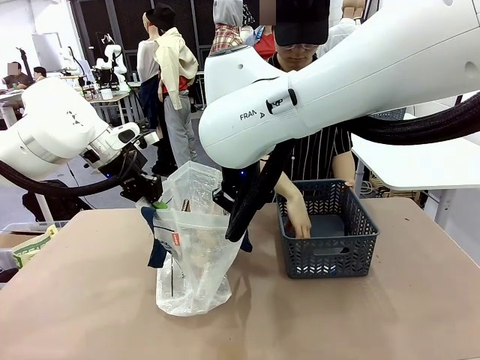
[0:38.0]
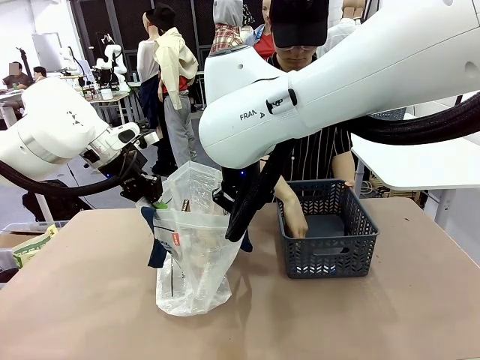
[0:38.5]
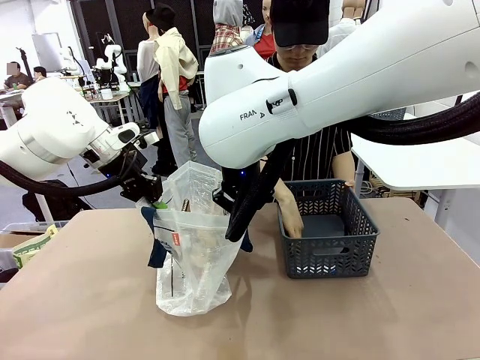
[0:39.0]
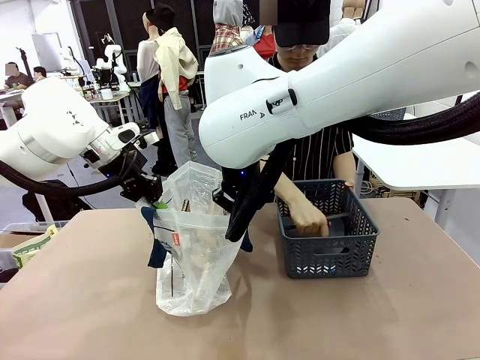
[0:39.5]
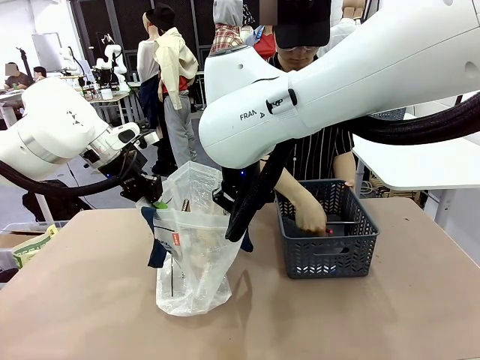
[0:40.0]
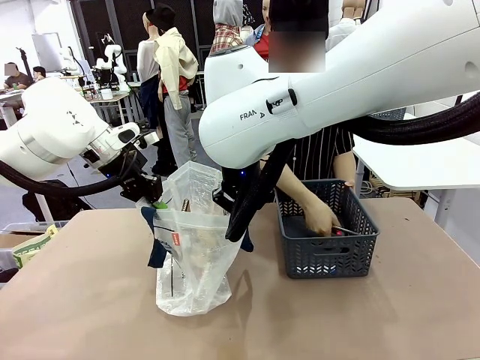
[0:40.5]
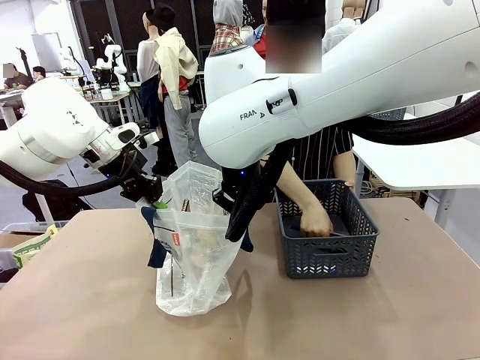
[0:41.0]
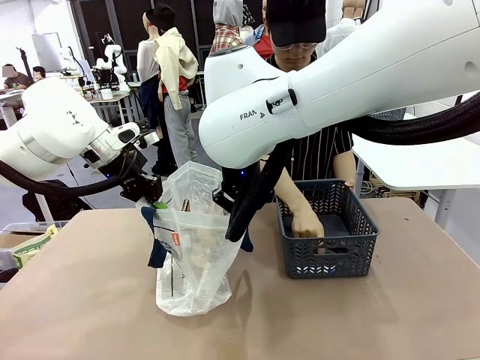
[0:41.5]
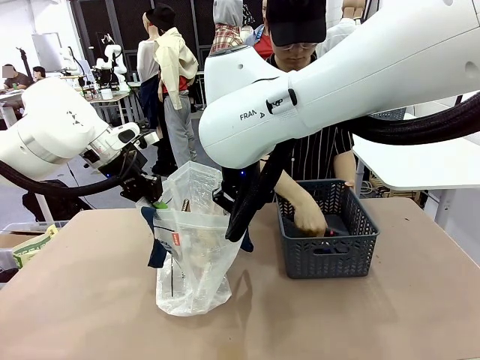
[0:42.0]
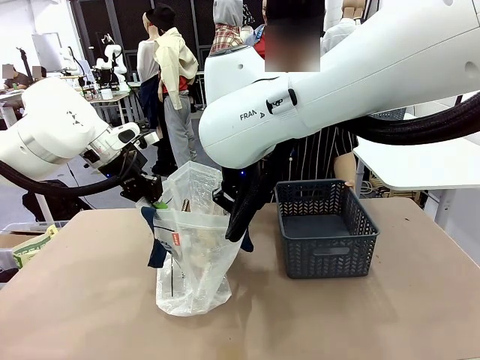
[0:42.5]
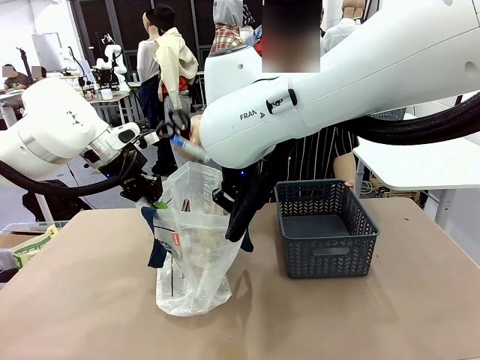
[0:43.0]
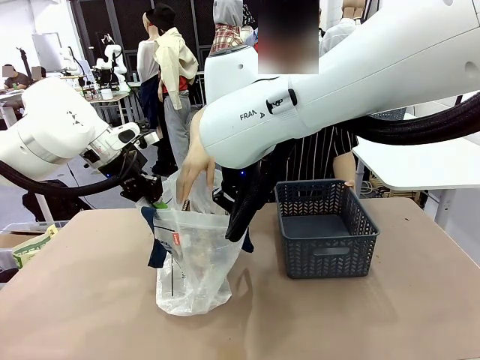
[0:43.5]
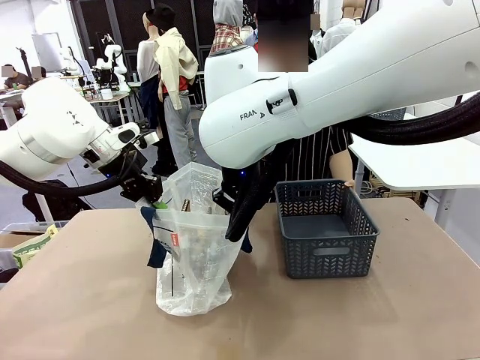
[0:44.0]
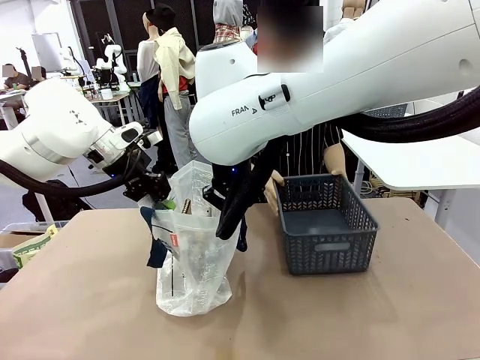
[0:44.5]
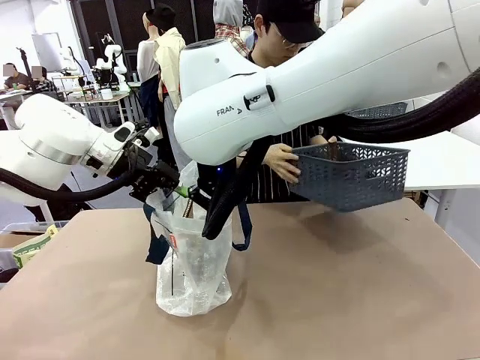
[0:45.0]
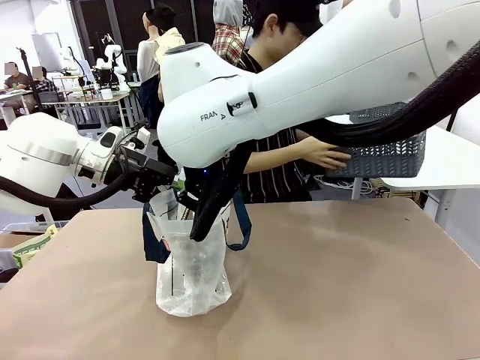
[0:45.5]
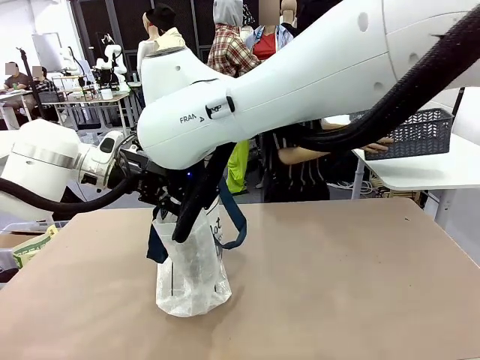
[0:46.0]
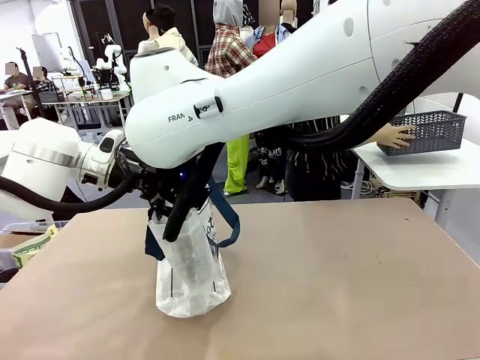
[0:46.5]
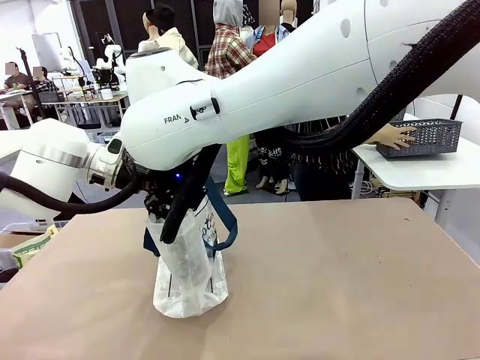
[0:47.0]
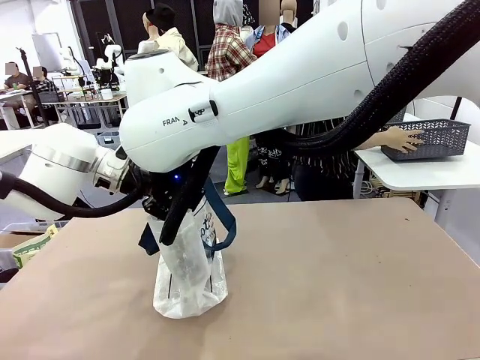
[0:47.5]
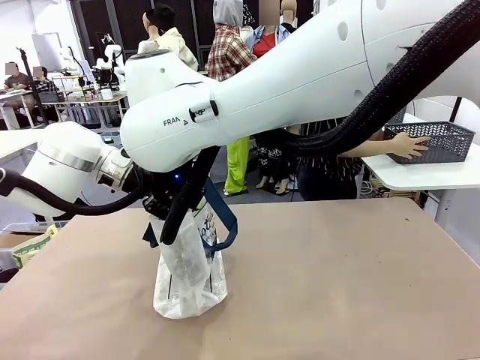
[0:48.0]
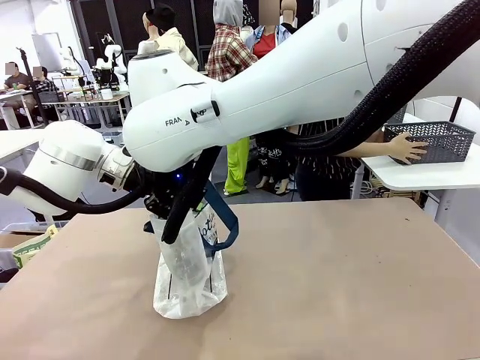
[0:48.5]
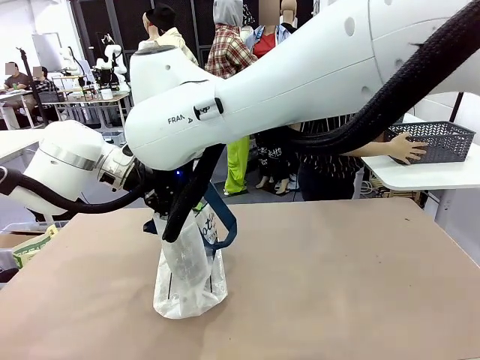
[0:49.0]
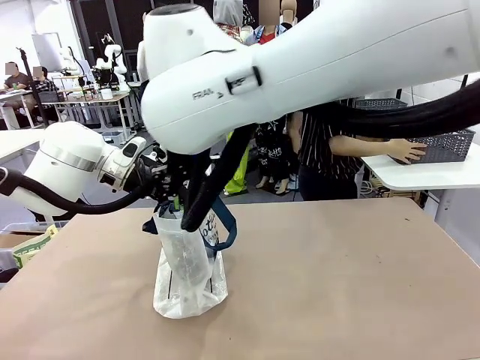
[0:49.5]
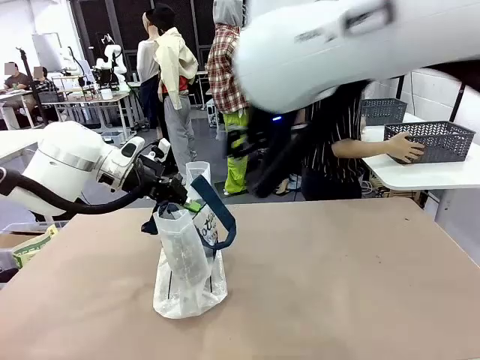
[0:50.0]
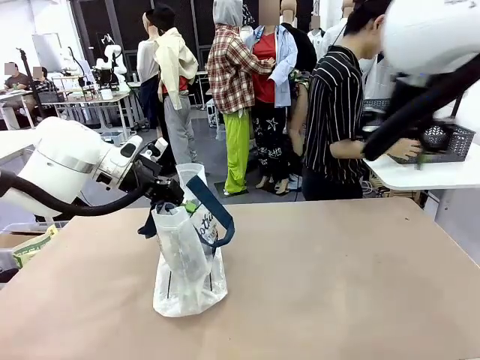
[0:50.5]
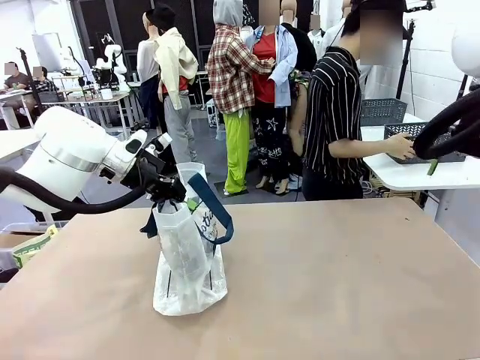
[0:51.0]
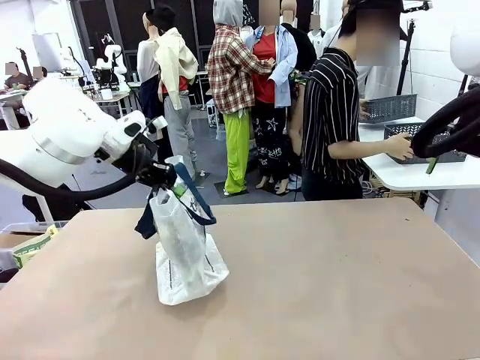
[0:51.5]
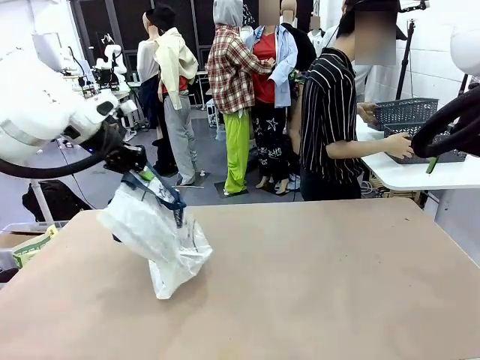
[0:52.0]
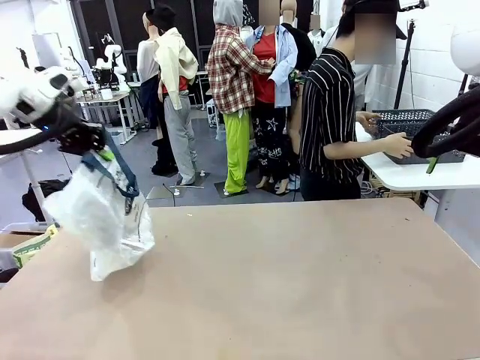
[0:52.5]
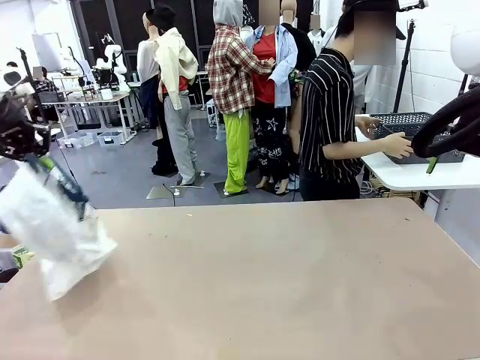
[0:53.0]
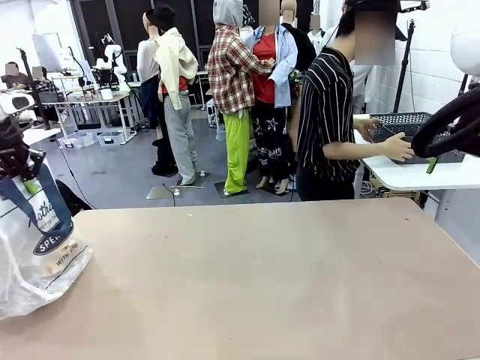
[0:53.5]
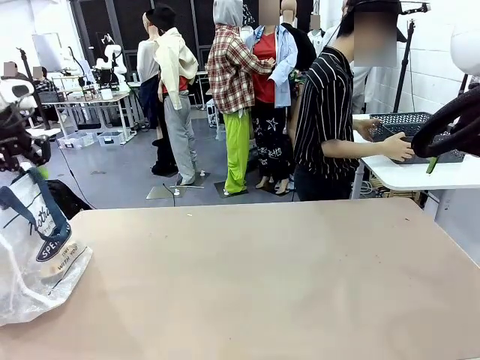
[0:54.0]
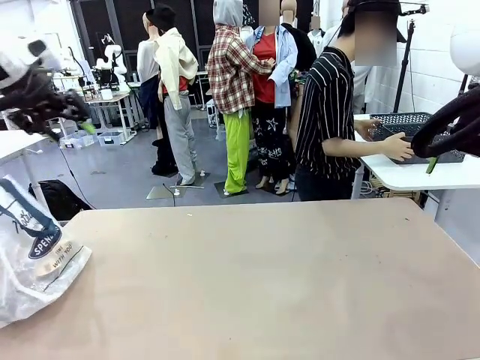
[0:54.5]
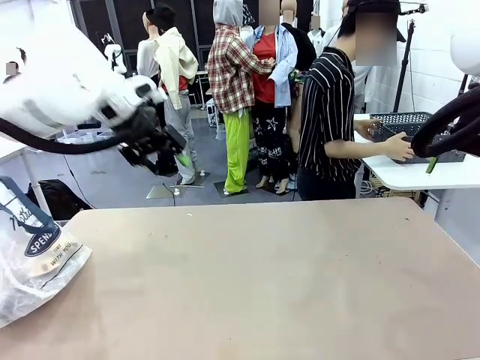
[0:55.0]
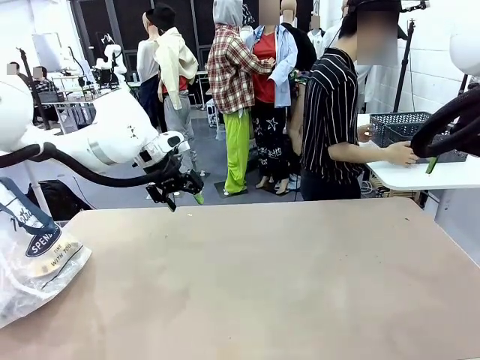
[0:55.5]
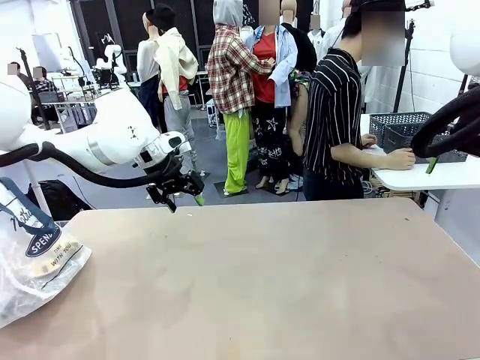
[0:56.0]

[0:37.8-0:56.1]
Task: Transfer purchased items from the store into the shopping bag.
Robot: Move the Reusable shopping bag to the right side of the table.
Person: Move the basket on the left to the middle of the person's table.

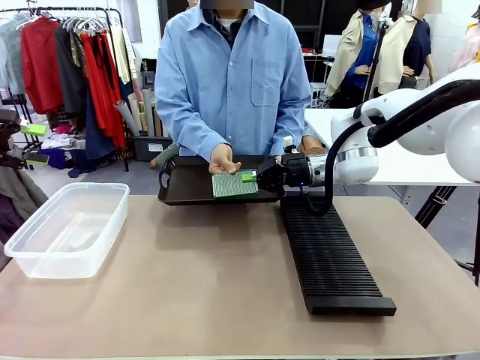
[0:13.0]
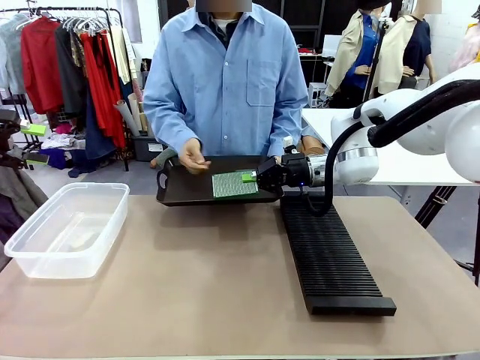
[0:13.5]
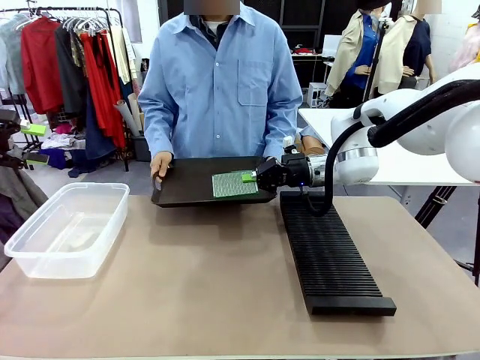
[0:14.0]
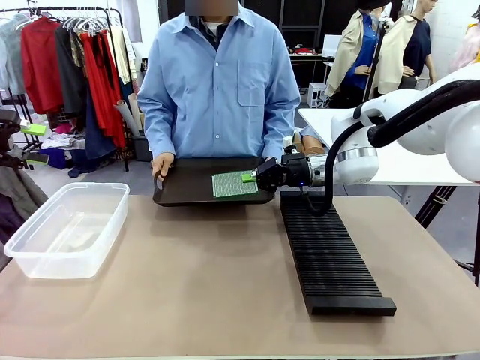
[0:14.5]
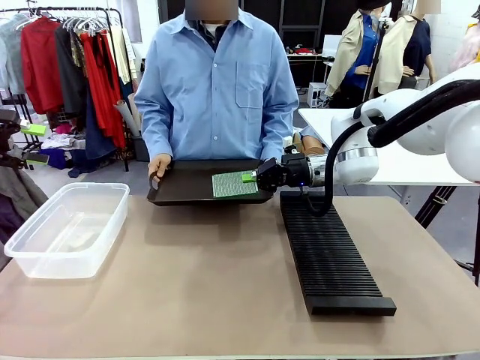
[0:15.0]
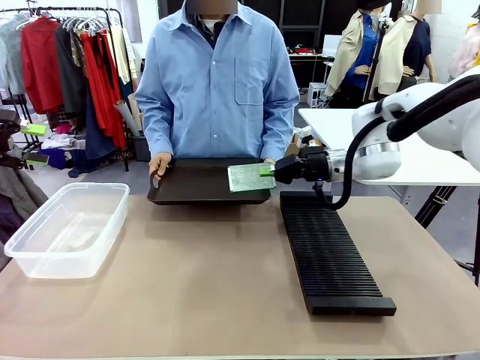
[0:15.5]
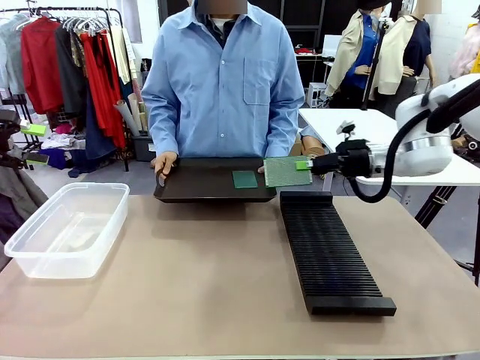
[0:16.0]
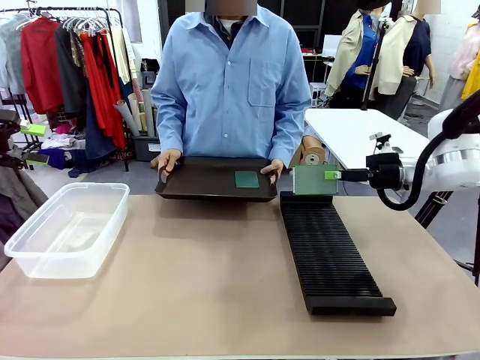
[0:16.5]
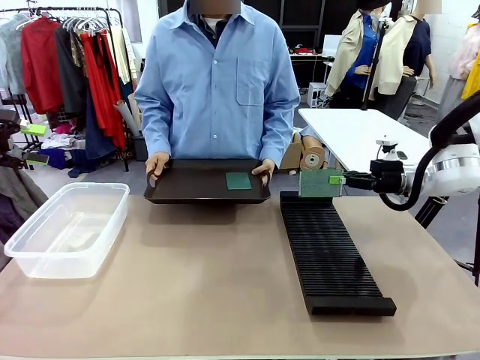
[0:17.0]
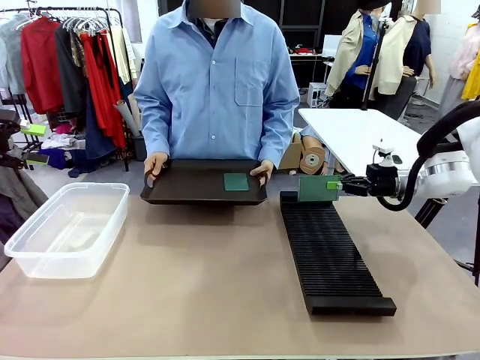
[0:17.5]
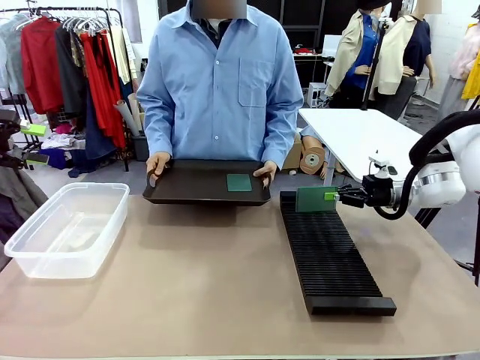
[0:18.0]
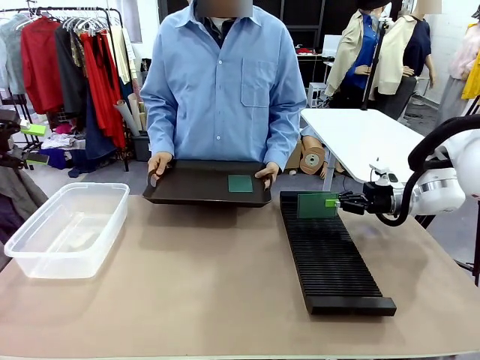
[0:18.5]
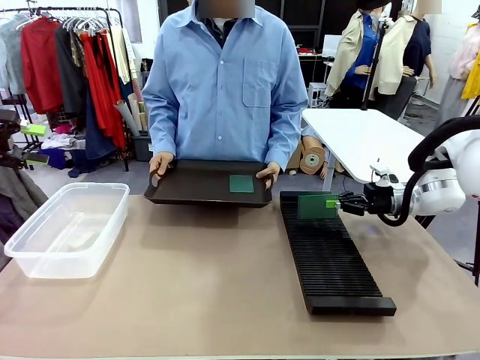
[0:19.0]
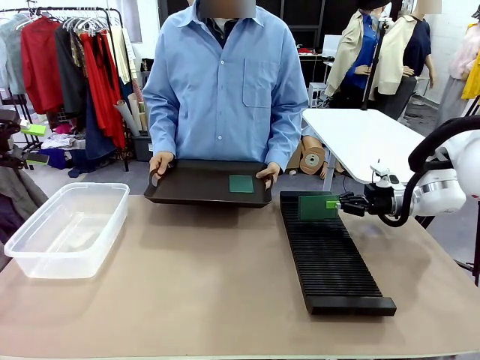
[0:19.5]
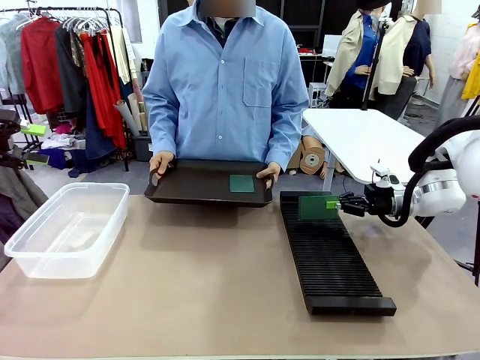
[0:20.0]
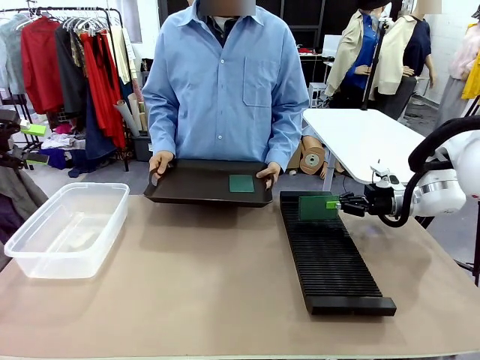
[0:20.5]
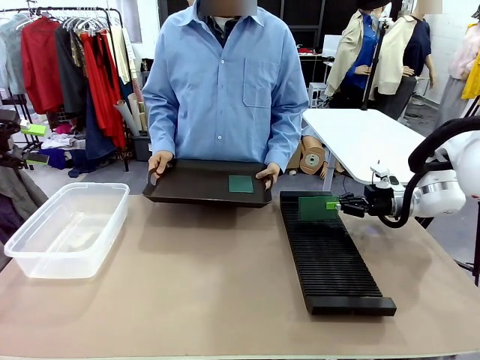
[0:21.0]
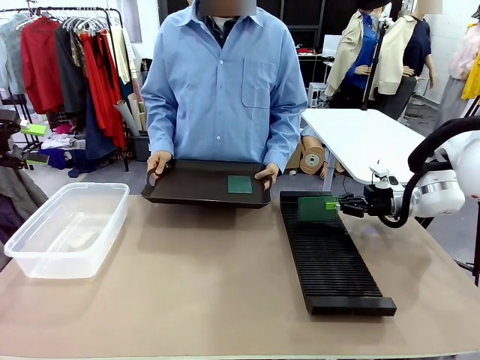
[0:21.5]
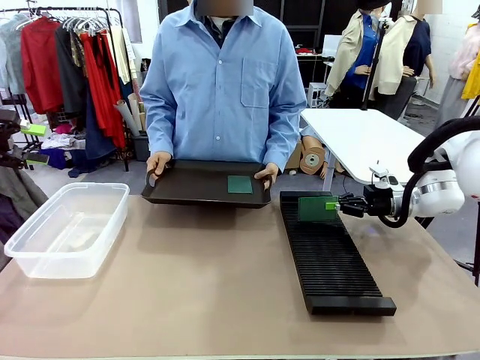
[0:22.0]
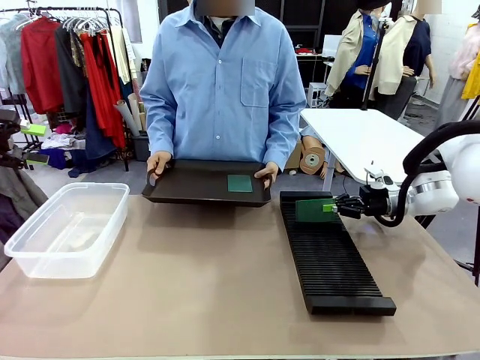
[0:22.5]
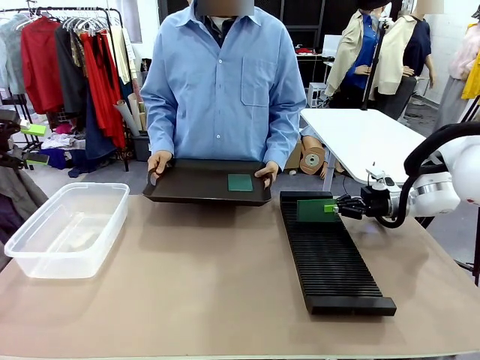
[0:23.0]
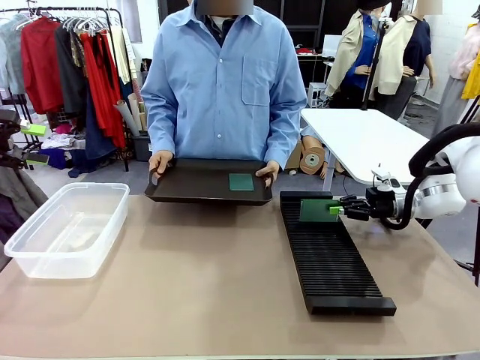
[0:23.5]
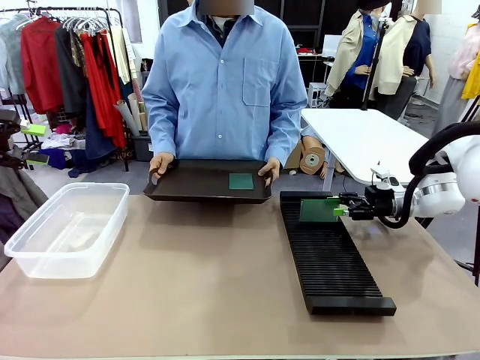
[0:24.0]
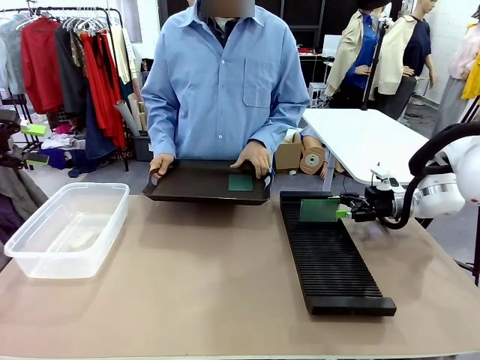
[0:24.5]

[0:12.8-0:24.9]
Task: Sort PCBs into racks and boxes based on the side picked up.
Robot: If the short side of the Blank PCB is picked up, insert it into the PCB Rack ; if the long side is picked up, place it in the Organizing box.
Person: Pick one PCB from the tray and present it to the robot.
